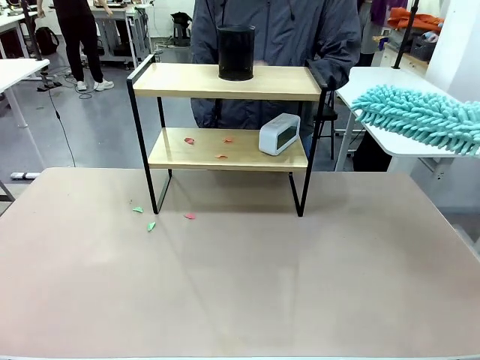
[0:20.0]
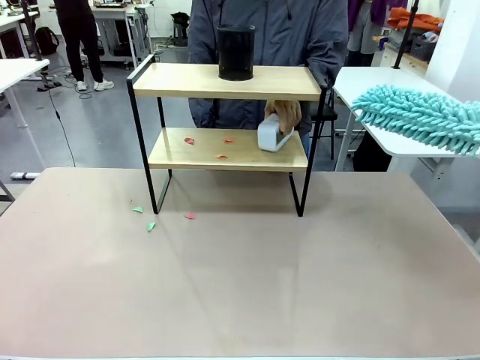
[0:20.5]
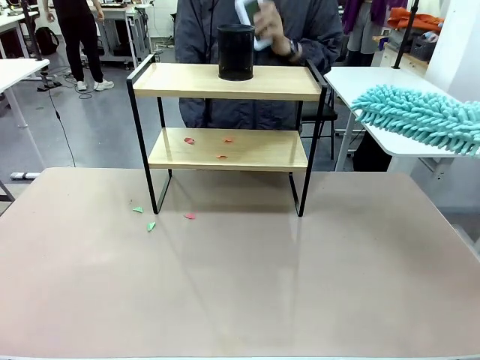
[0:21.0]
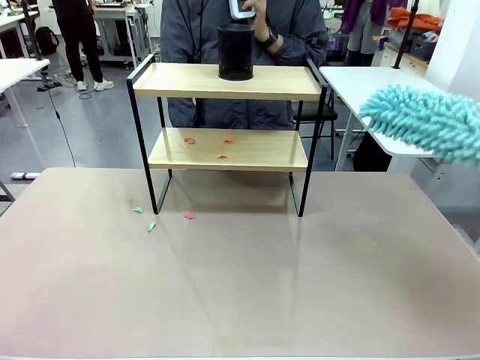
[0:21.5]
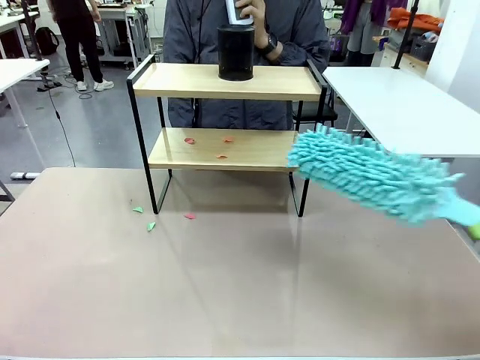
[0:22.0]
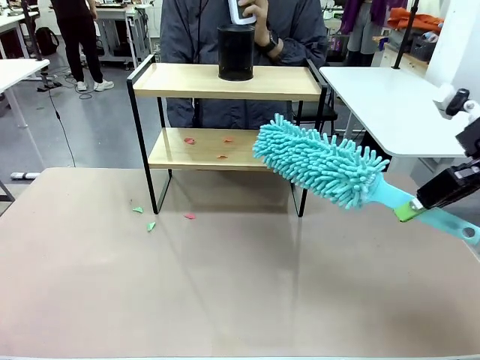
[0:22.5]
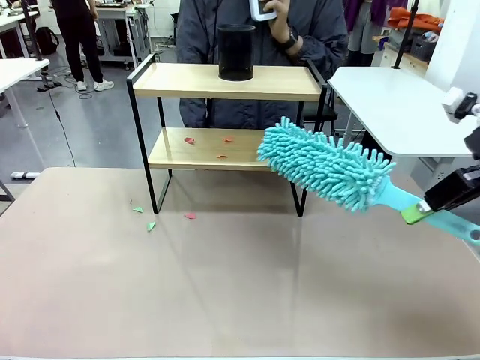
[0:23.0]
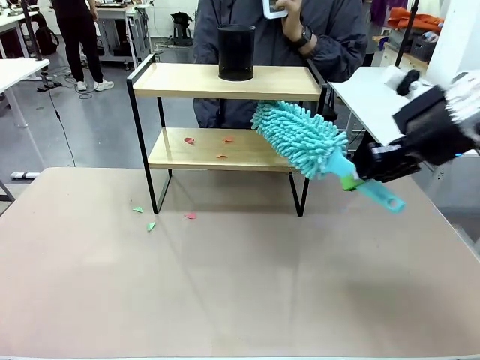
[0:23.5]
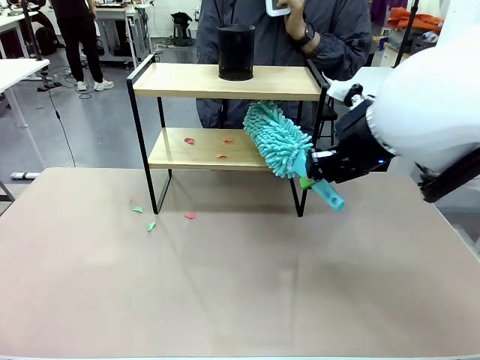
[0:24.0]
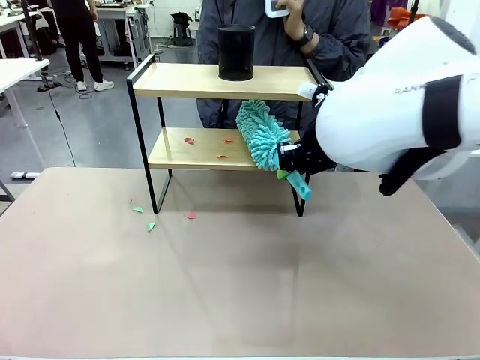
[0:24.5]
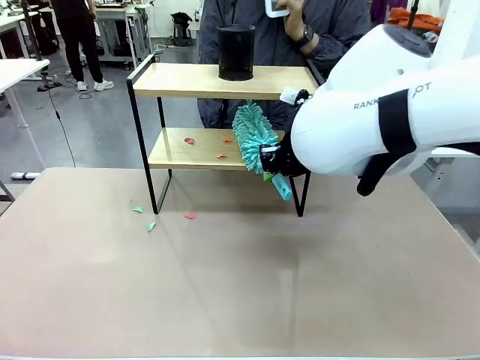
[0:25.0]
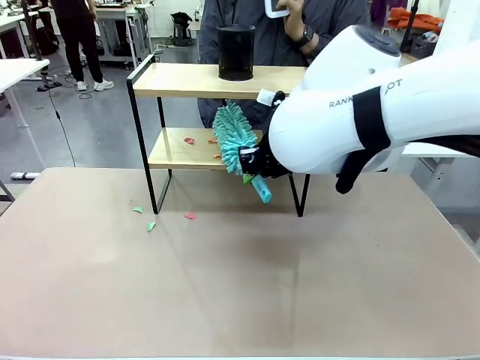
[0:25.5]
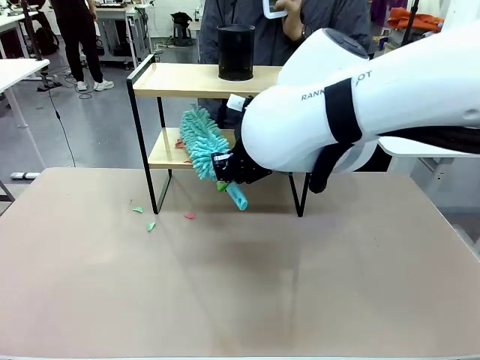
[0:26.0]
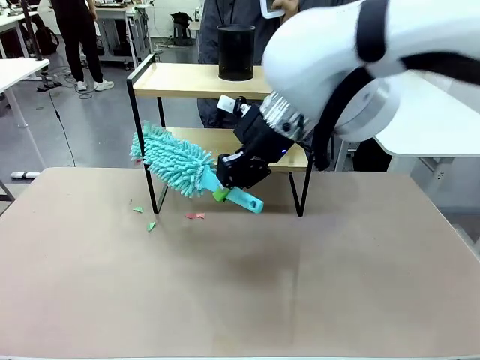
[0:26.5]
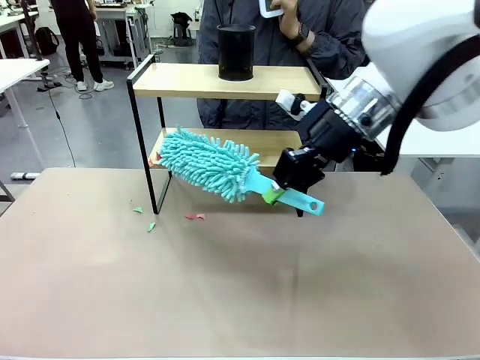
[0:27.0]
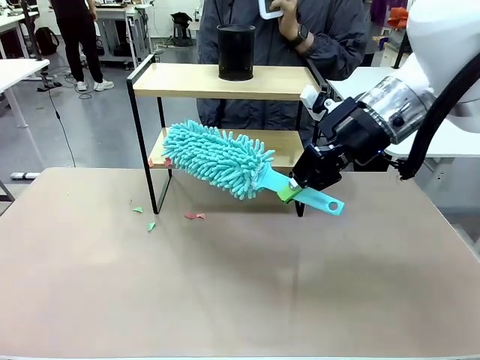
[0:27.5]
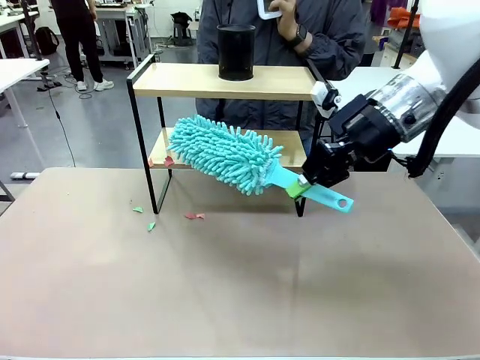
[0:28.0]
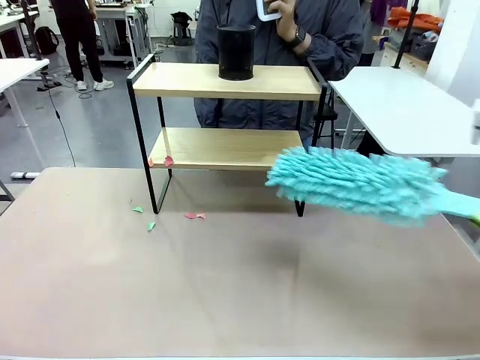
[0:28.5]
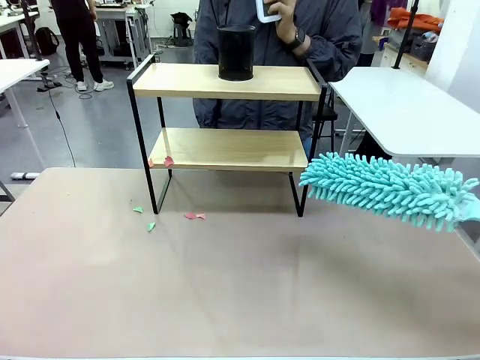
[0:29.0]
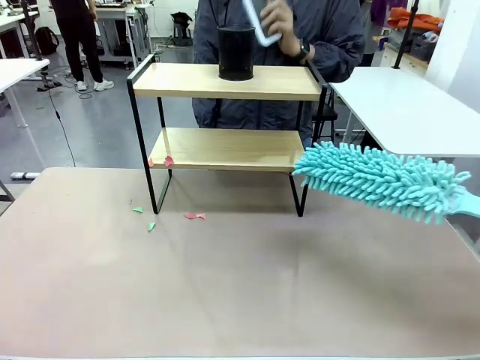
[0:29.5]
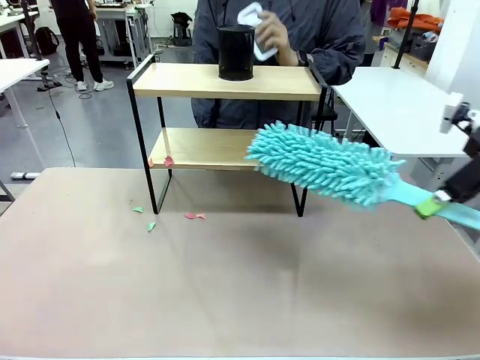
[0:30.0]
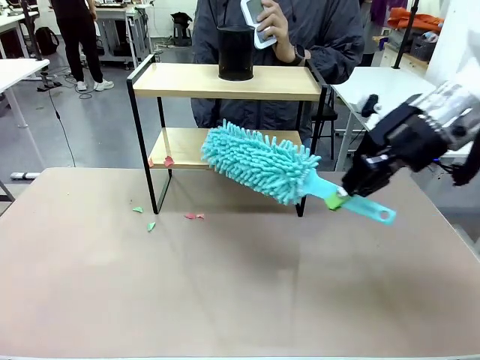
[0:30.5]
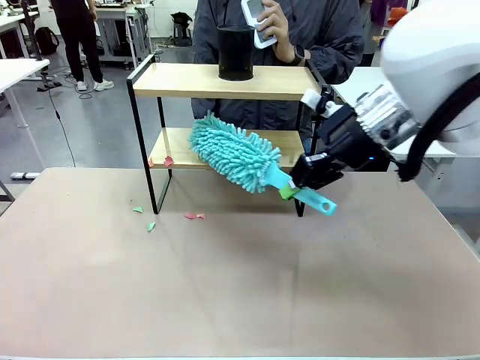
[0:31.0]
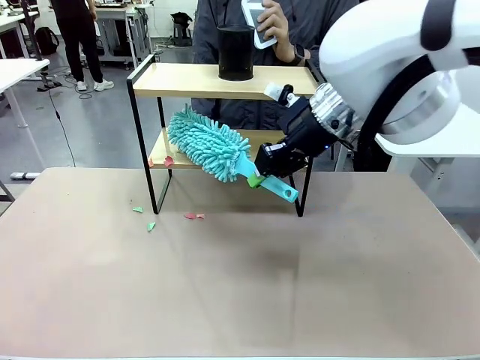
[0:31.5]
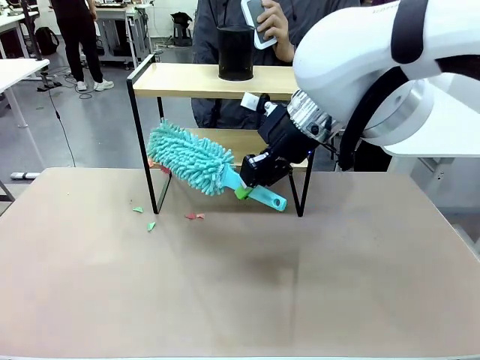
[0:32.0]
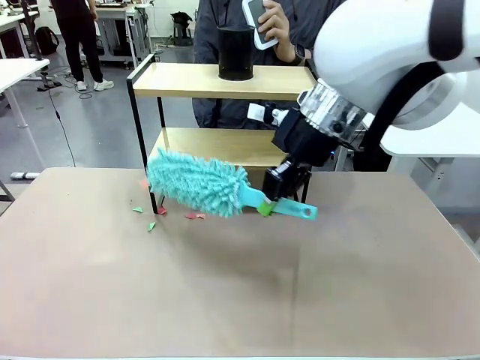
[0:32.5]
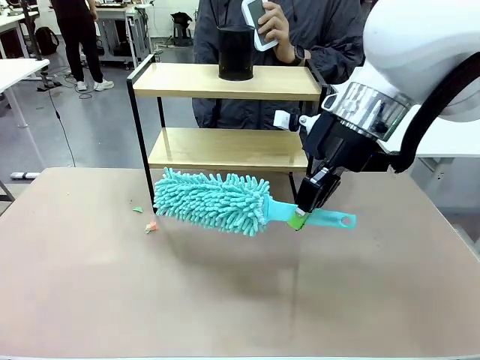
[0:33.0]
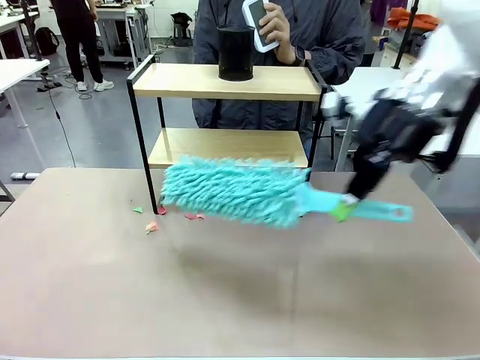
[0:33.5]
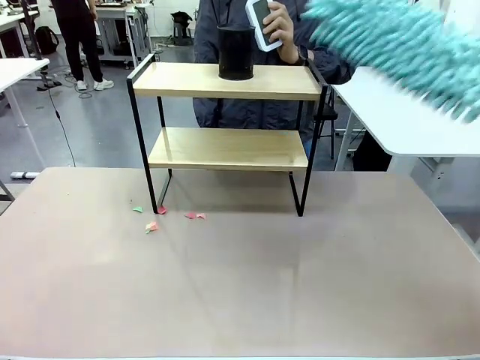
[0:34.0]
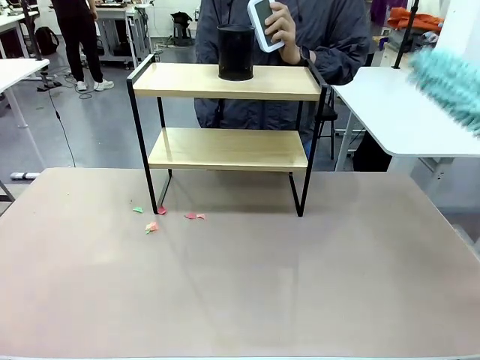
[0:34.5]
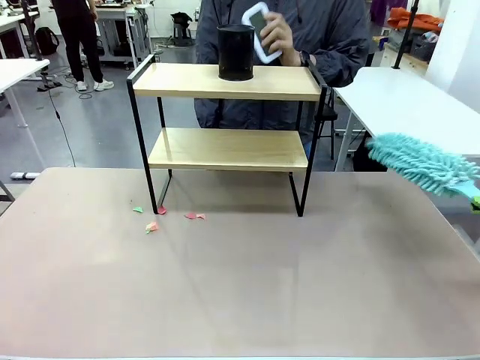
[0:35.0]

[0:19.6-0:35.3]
Task: Clean the shelf.
Robot: Clean the remaining tier of the Shelf with the Duster once objects are removed.
Person: Receive the Duster from the robot.

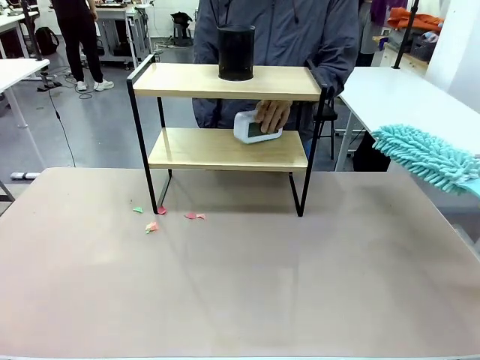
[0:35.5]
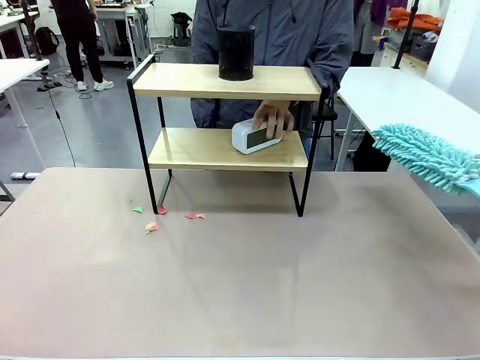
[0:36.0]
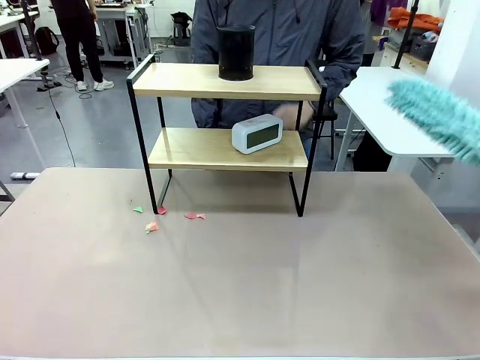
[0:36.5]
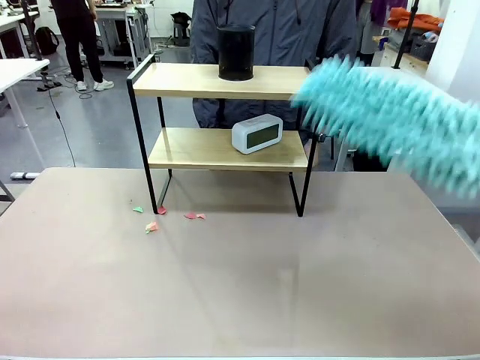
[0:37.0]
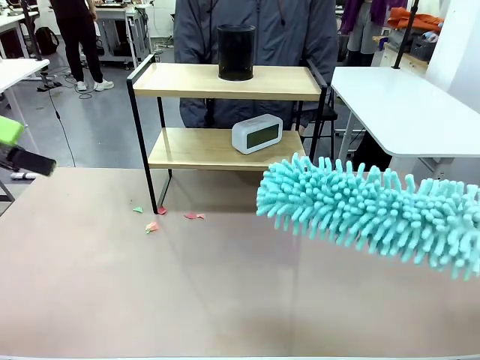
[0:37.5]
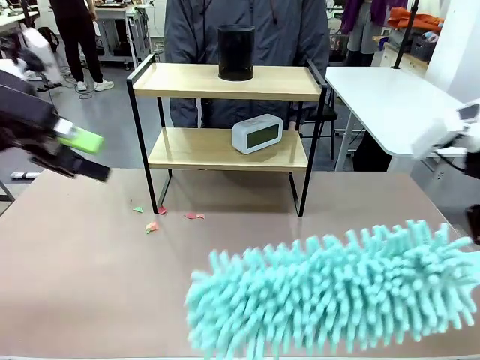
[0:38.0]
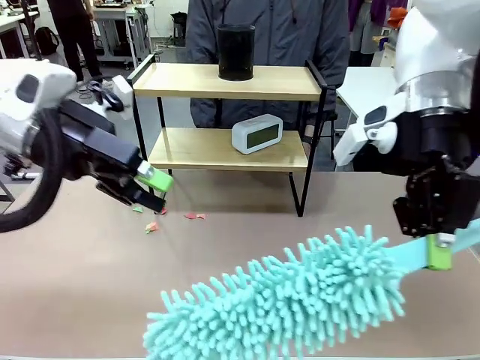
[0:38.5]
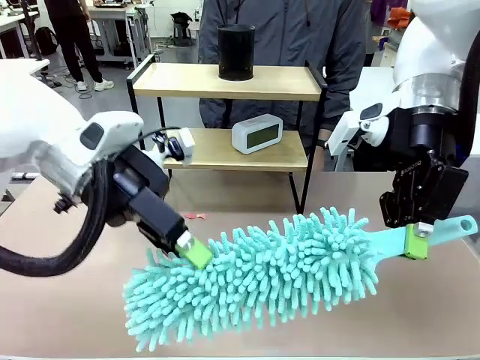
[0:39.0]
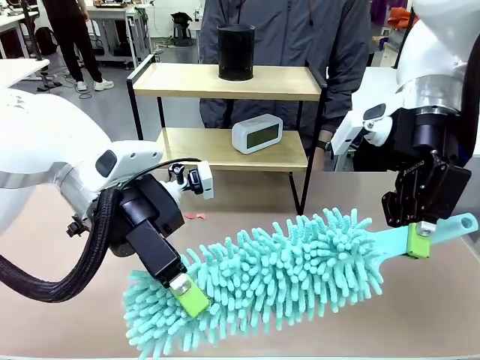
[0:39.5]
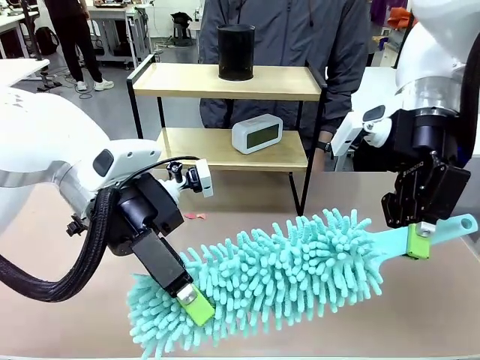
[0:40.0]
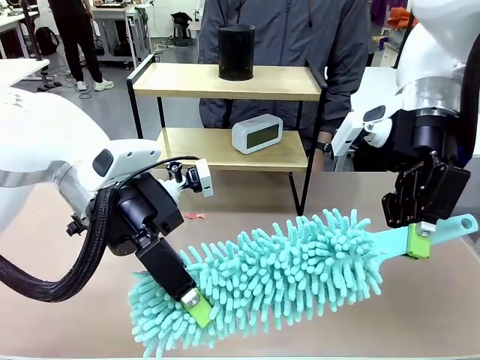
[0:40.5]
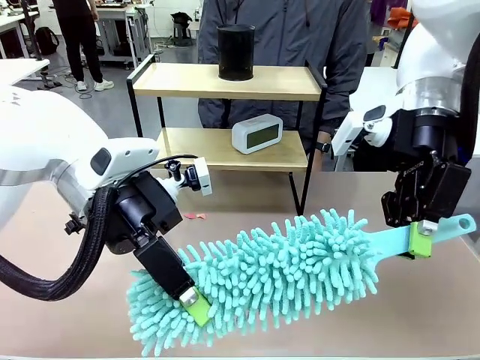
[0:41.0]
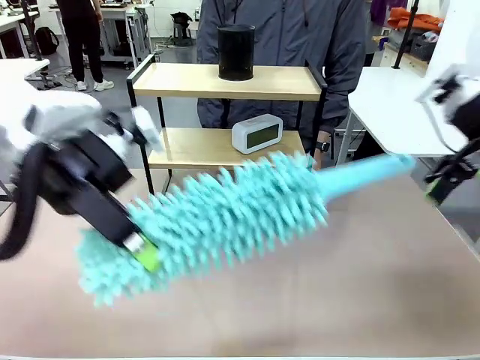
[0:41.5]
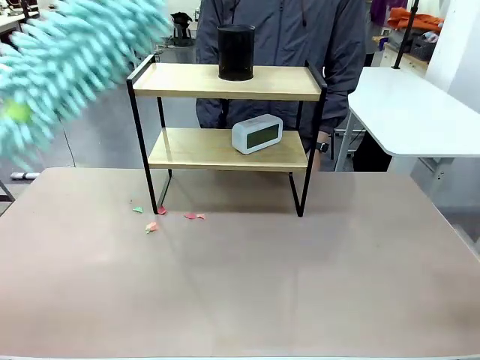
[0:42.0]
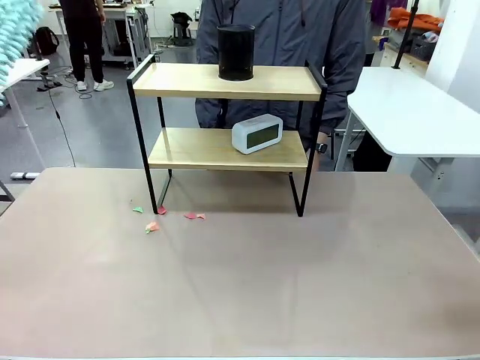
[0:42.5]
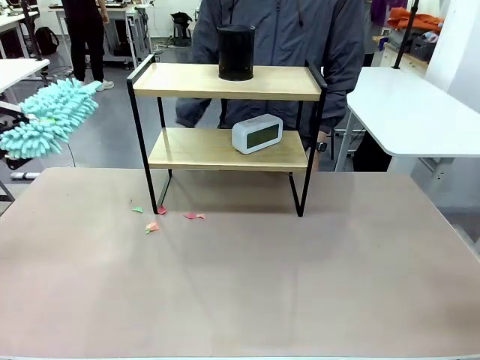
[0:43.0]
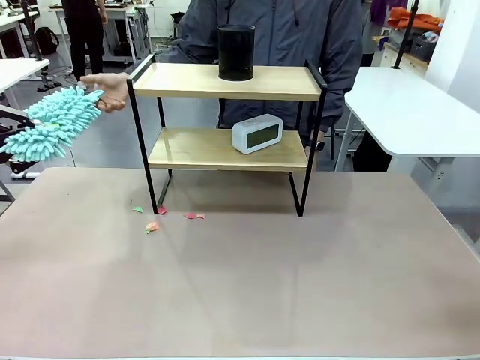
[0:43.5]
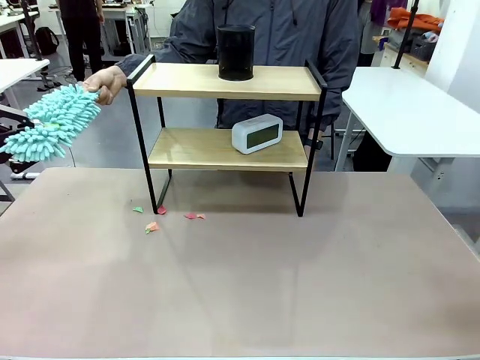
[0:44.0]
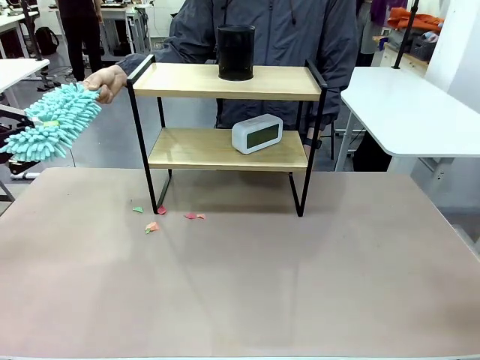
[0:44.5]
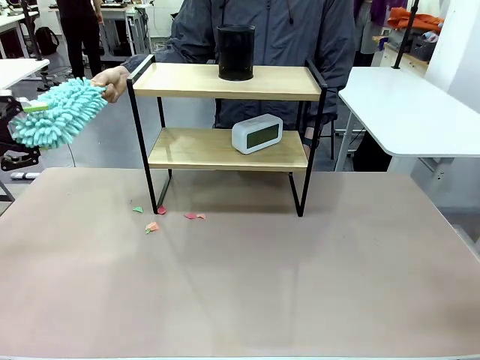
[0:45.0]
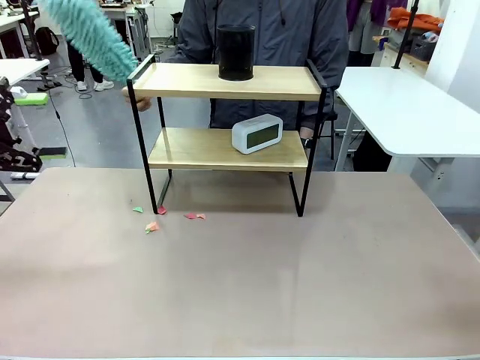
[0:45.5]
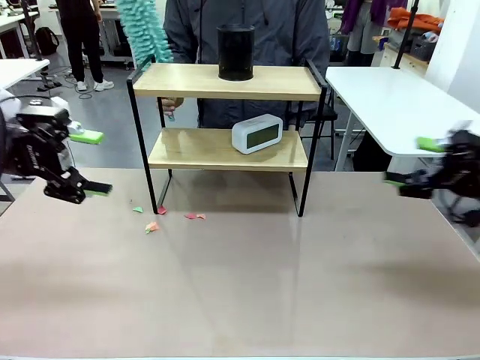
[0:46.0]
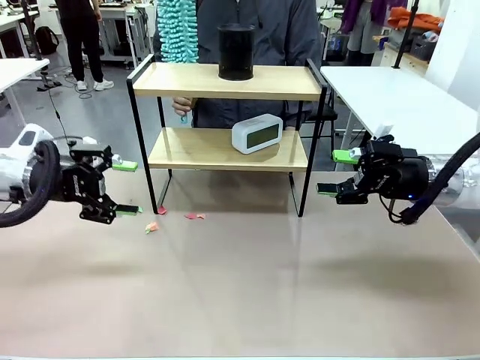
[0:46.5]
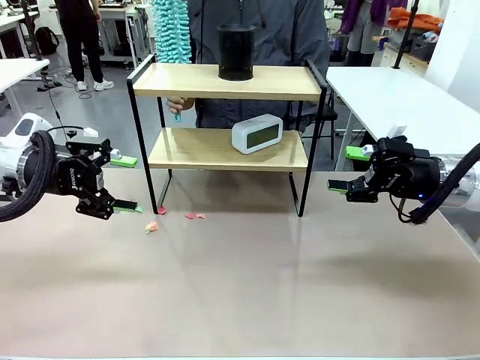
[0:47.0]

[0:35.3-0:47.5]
Robot: Hand the Duster back to the human.
